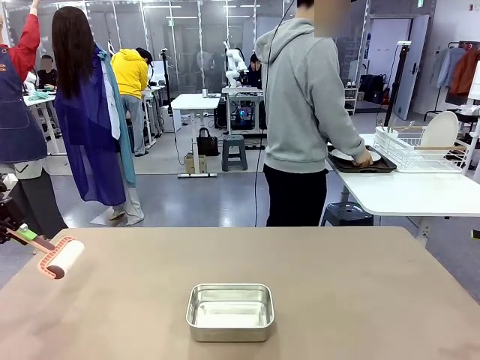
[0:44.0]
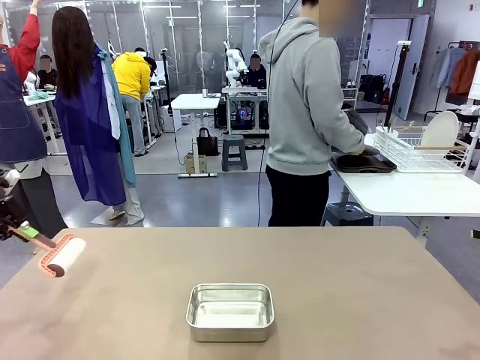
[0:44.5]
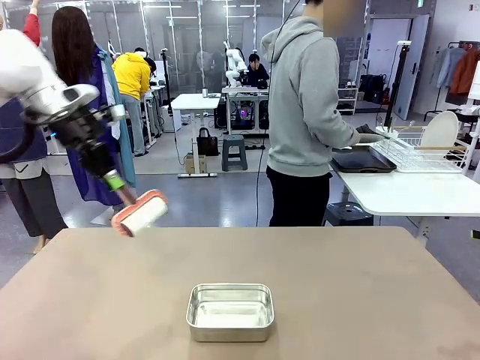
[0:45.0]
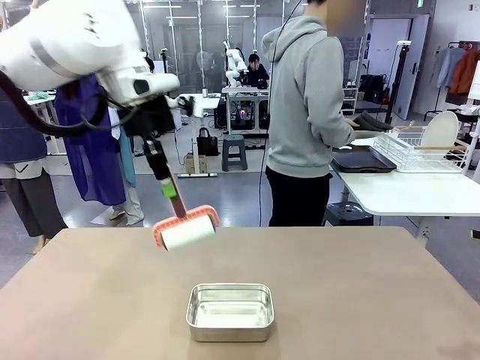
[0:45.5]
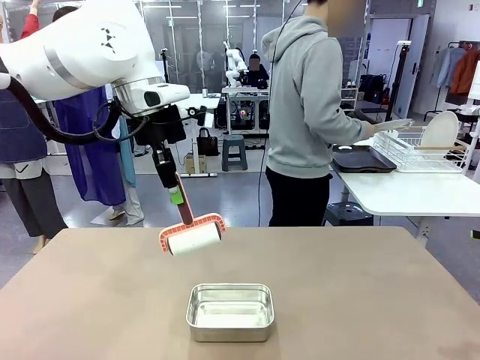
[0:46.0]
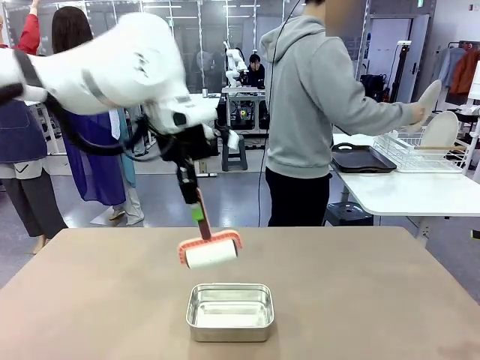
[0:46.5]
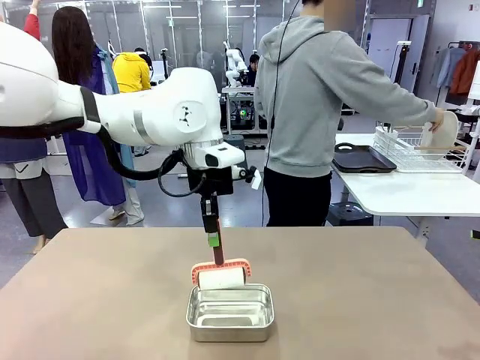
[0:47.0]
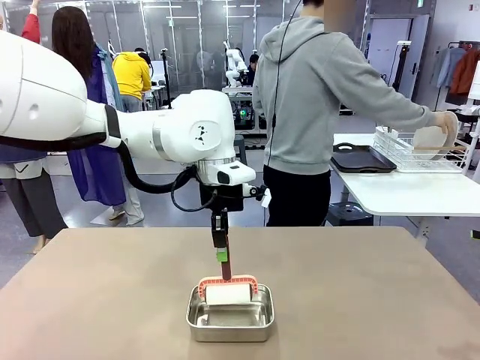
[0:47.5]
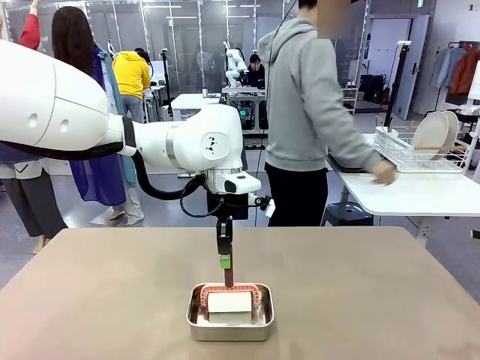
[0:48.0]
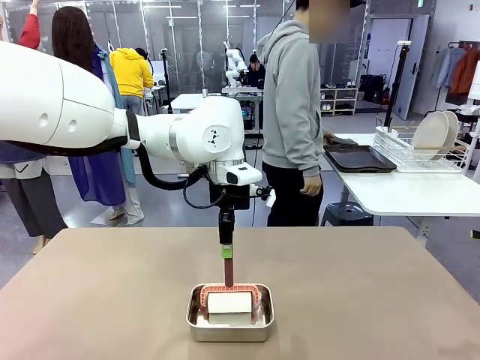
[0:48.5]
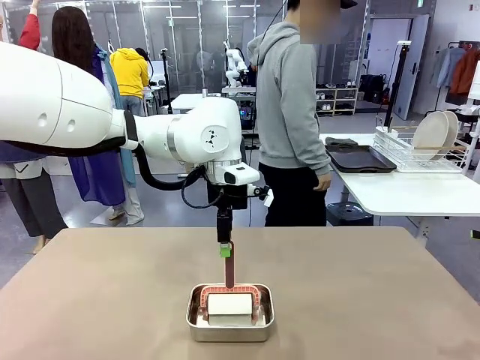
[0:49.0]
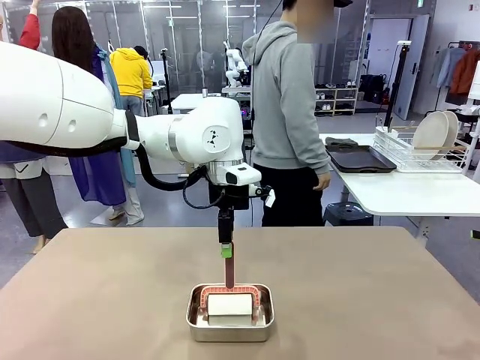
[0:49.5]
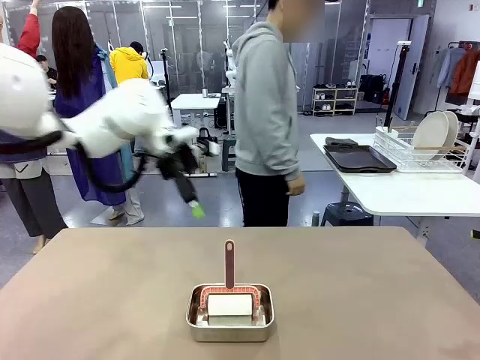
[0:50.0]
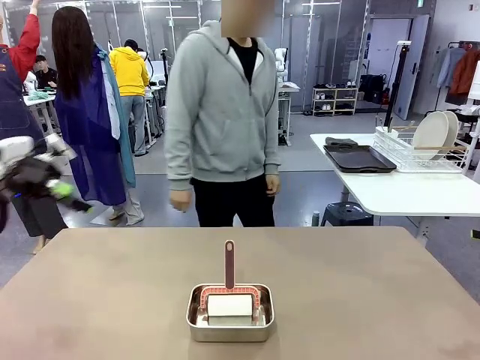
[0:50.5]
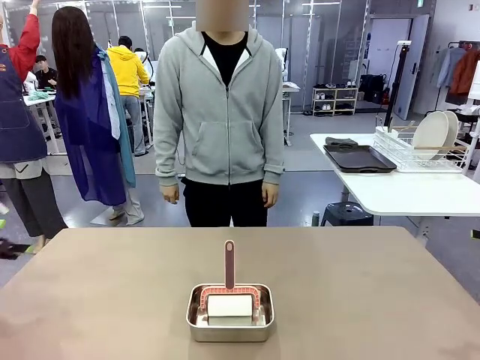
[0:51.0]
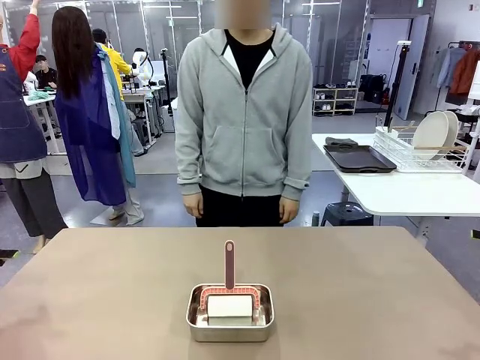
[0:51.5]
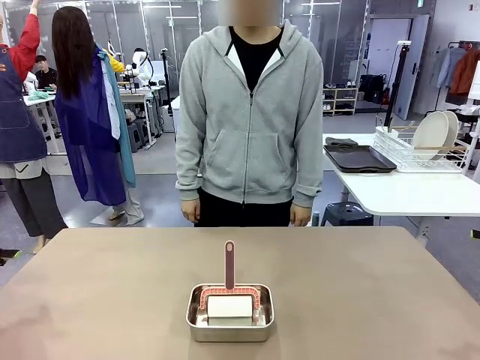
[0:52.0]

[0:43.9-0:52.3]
Robot: Place the Lint Roller back on top of the Airtight Container.
